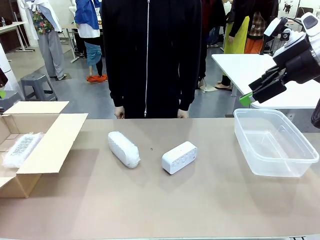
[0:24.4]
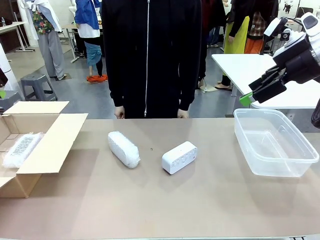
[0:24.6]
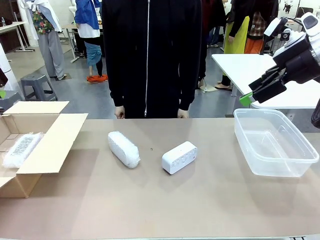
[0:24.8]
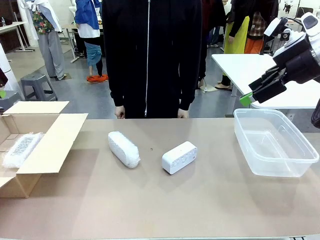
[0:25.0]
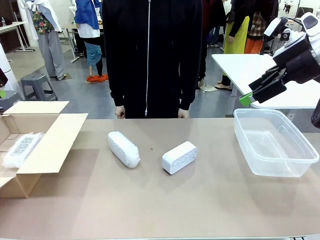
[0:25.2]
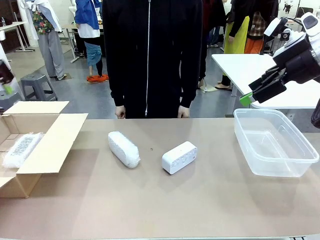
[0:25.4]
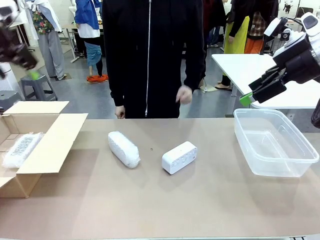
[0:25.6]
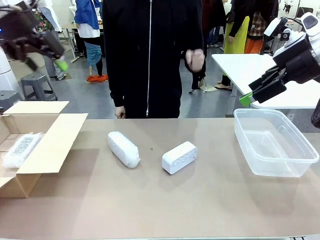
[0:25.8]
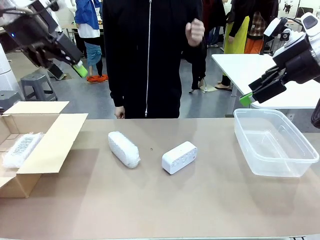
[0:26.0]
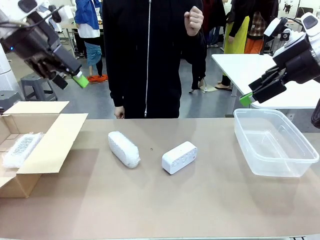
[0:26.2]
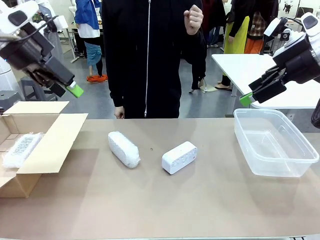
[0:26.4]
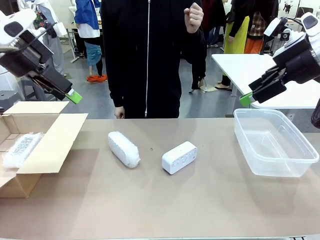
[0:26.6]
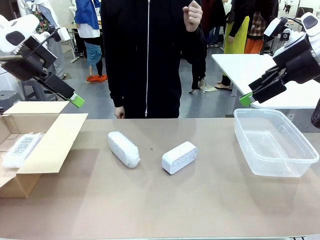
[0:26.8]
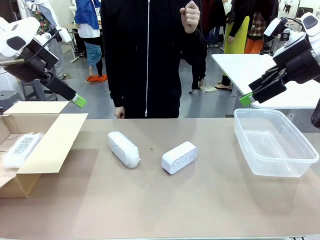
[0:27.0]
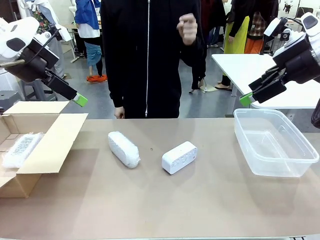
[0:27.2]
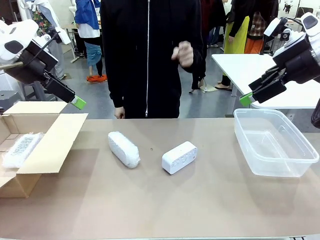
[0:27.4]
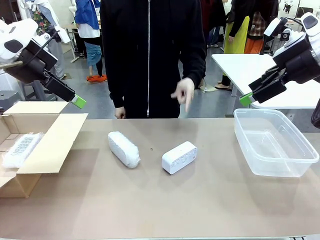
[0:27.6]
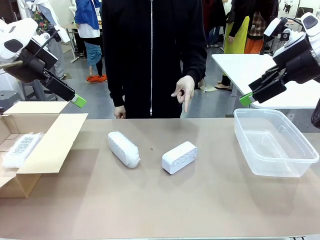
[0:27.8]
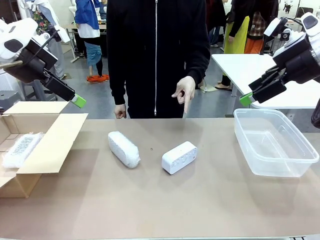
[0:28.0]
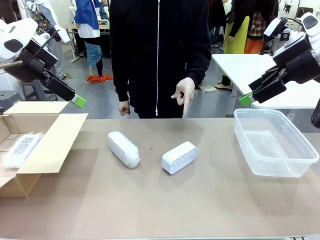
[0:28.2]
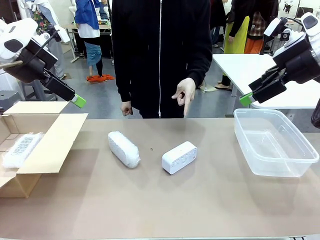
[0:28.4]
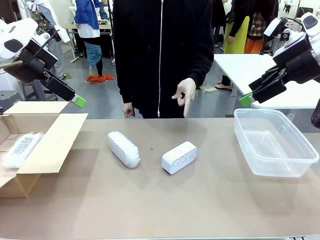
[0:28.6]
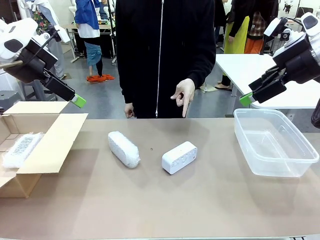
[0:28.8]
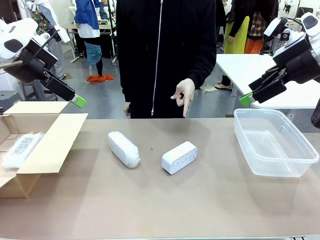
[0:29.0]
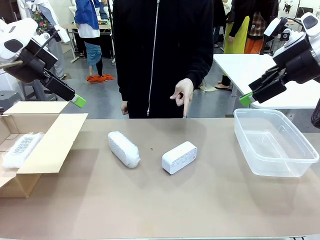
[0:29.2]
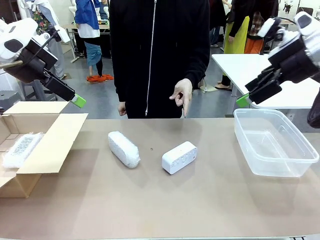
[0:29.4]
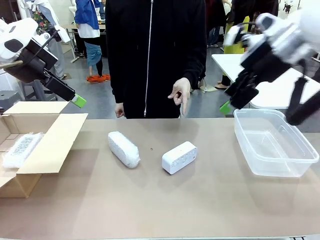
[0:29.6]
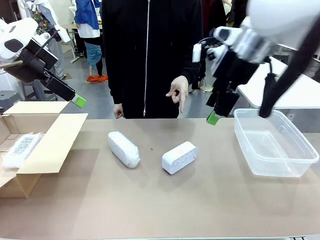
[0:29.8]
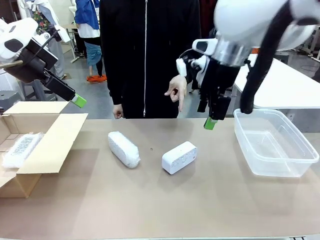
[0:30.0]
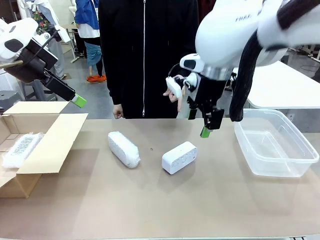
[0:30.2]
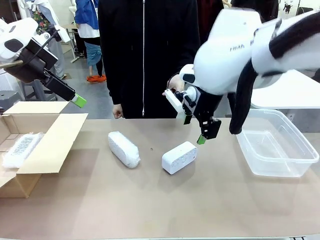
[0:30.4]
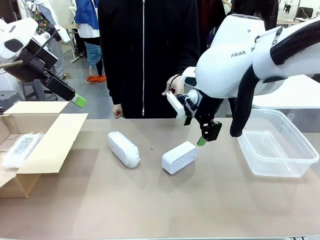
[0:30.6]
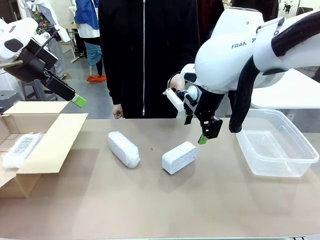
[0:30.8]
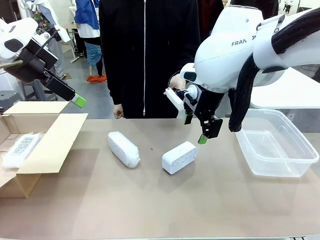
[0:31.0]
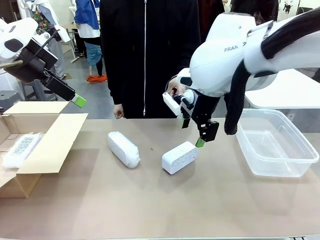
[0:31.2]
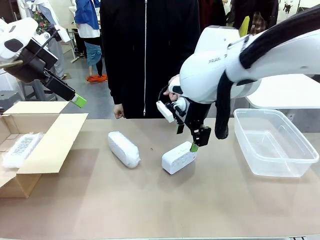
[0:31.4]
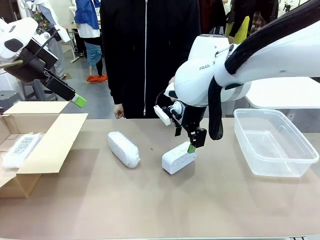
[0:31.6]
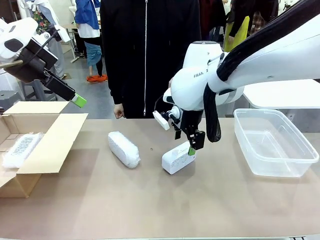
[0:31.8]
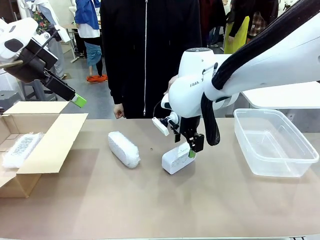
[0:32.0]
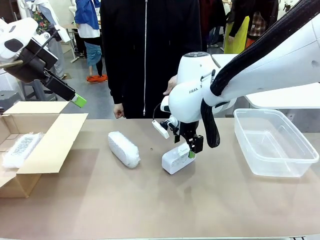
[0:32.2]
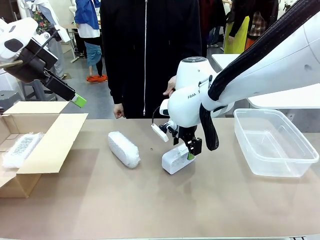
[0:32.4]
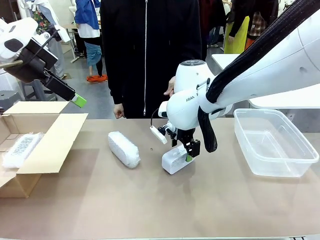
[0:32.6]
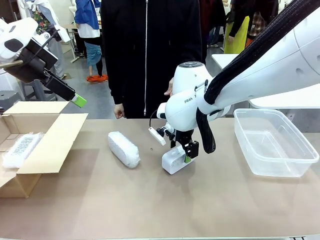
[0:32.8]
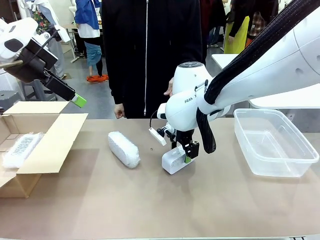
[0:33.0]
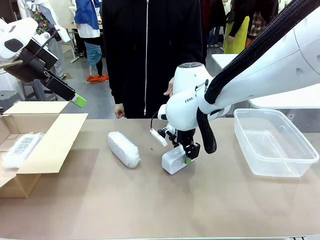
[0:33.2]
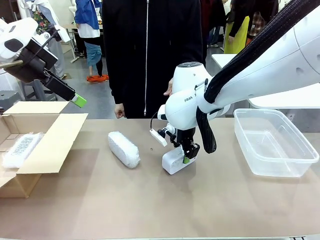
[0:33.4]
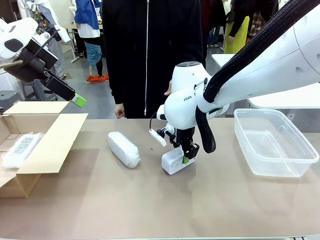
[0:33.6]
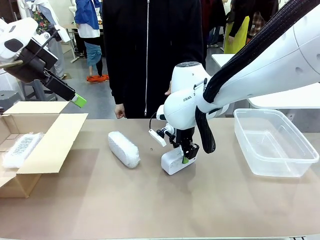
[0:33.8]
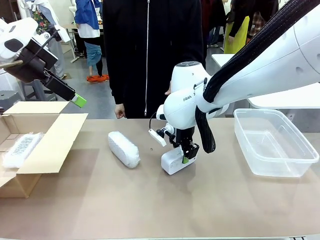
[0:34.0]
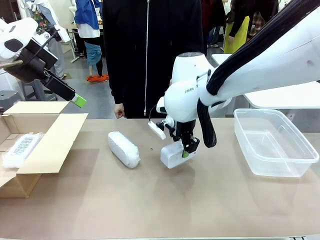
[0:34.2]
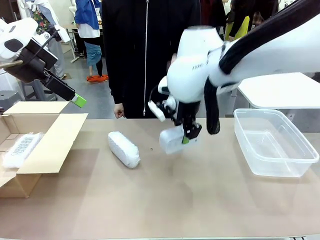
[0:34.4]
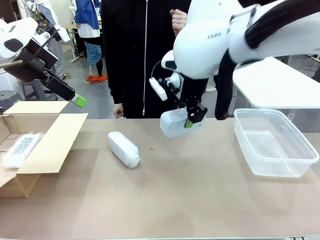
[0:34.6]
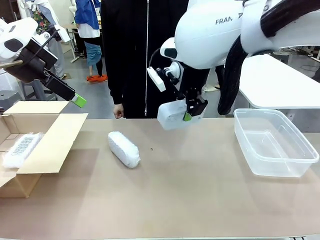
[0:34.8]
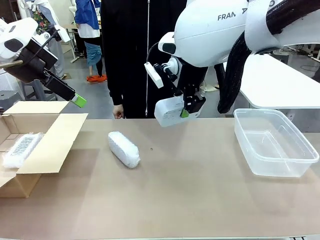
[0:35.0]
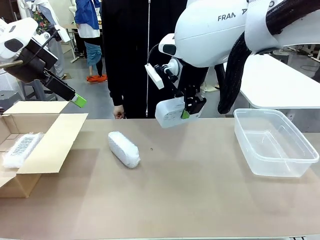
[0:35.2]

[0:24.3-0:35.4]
Task: Separate and place wrapped and unwrapped clocks.
Robot: Pick up the Digital clock indicated by the person.

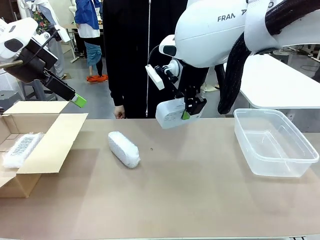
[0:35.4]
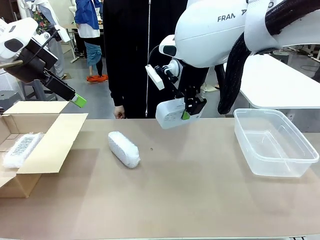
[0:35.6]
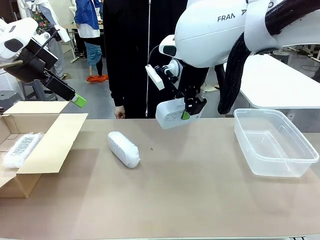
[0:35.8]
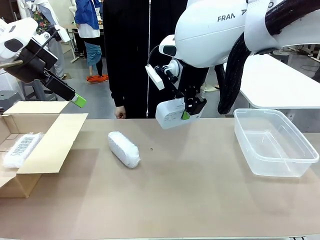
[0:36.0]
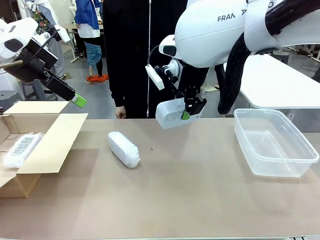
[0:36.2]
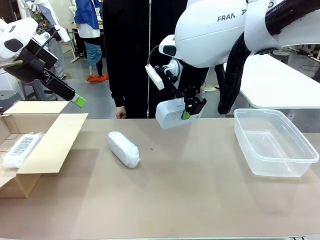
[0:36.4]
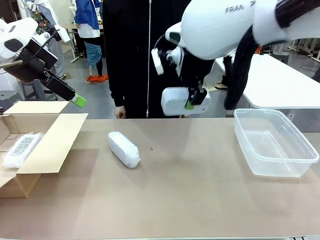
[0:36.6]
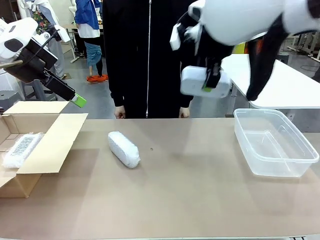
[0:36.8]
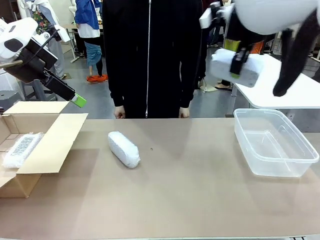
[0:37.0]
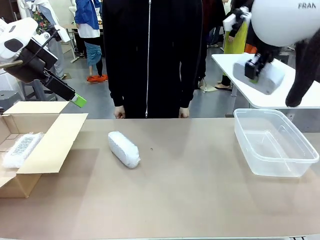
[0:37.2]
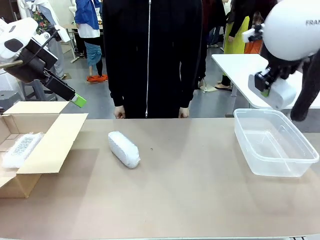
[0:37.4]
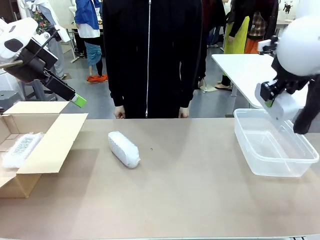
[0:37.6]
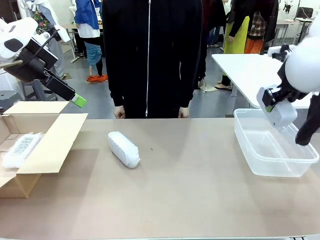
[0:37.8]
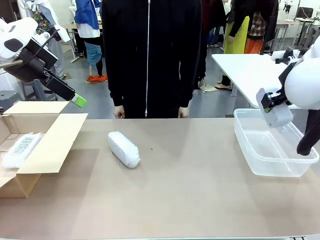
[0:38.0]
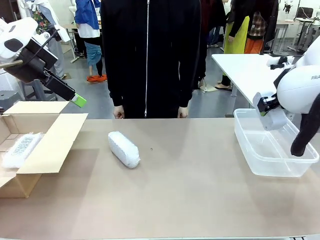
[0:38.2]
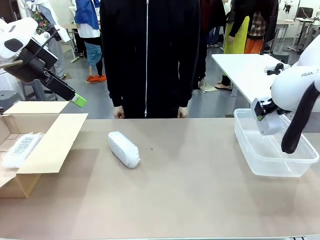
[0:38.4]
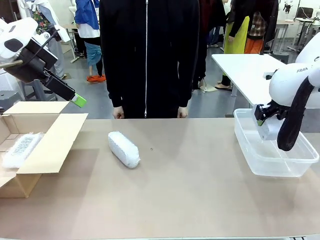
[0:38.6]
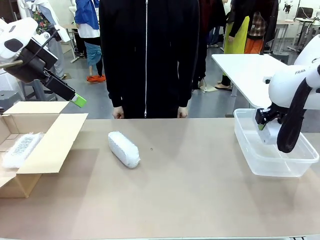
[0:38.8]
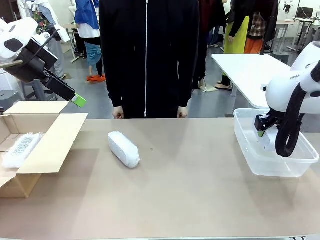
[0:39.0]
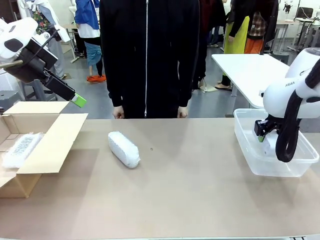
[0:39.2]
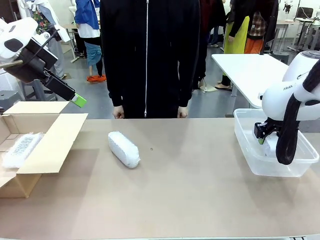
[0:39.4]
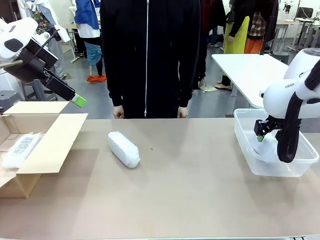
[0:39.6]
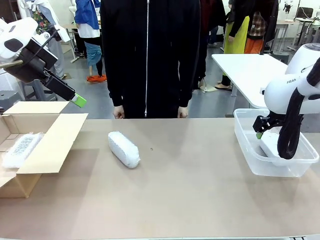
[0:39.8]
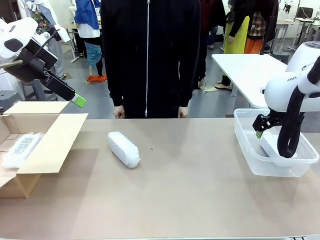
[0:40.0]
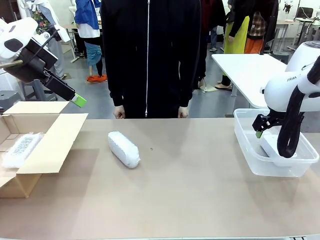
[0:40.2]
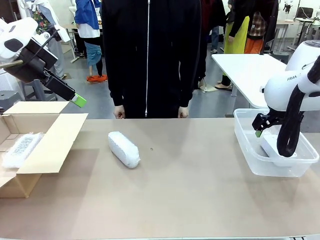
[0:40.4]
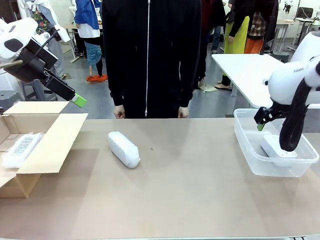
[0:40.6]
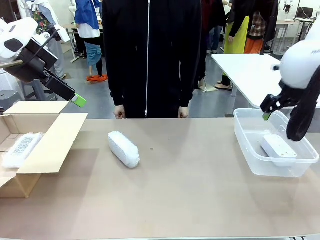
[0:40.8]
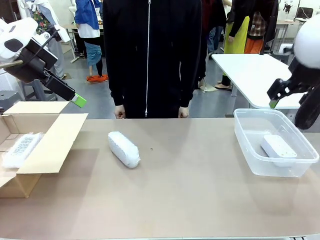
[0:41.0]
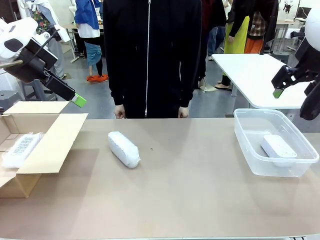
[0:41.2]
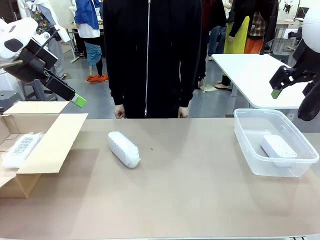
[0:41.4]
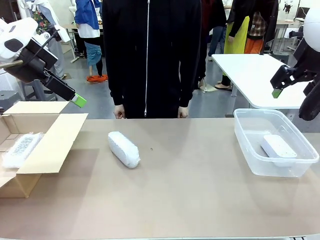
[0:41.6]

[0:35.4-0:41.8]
Robot: If the picked Digital clock is wrapped, place it in the Package Box ; if not, place it in the Organizing box.
